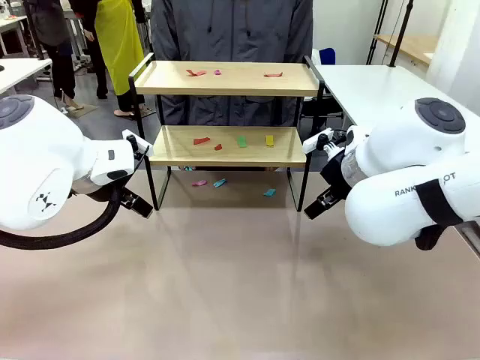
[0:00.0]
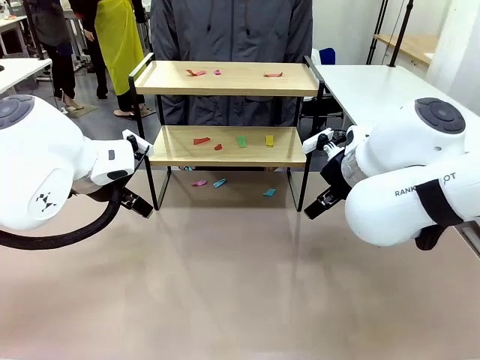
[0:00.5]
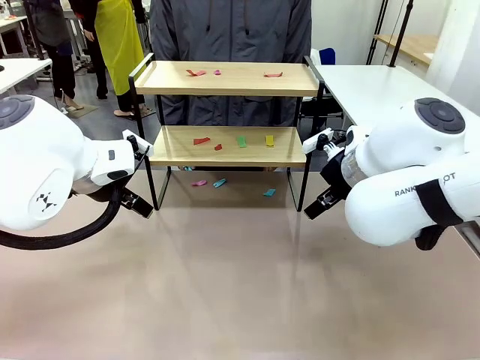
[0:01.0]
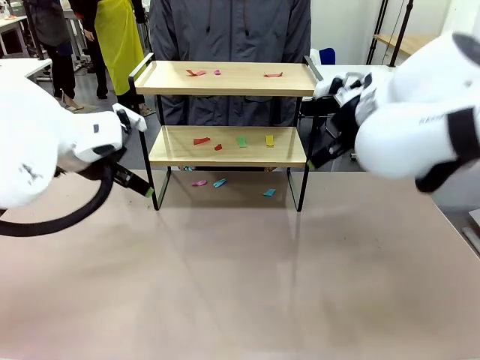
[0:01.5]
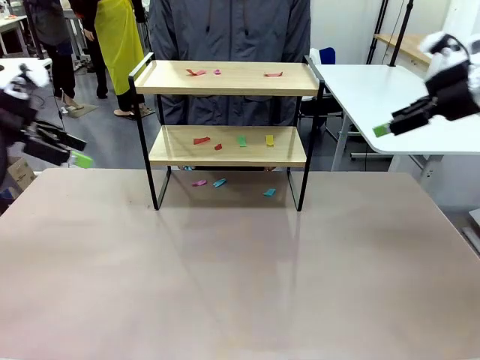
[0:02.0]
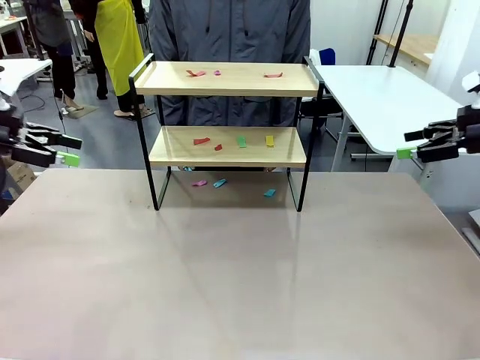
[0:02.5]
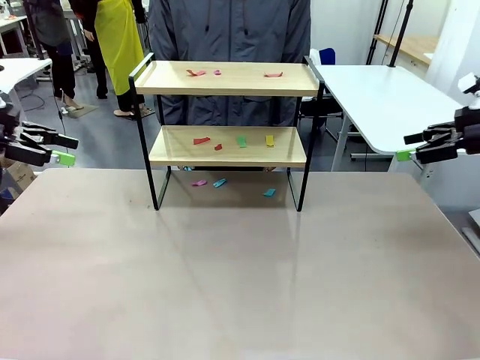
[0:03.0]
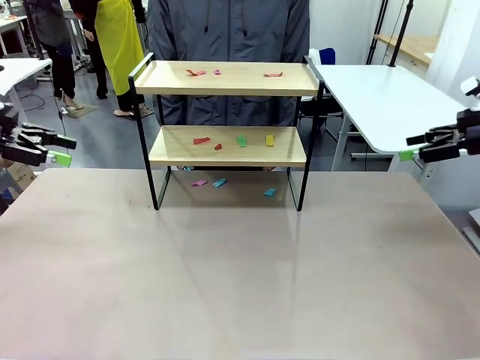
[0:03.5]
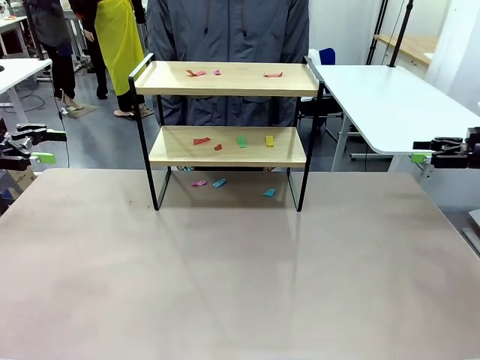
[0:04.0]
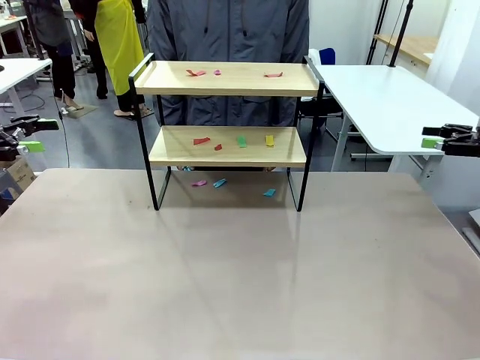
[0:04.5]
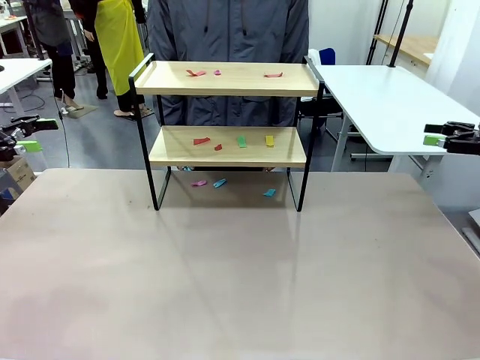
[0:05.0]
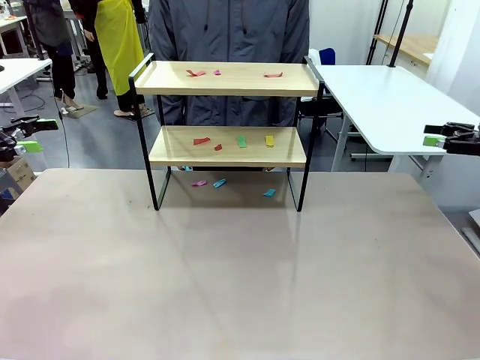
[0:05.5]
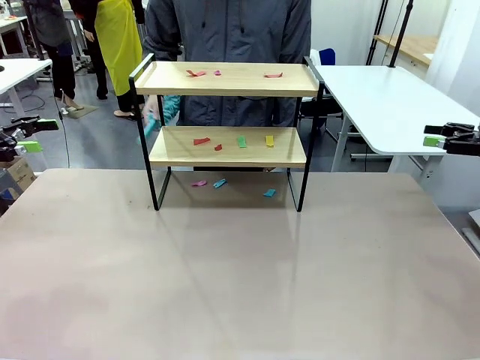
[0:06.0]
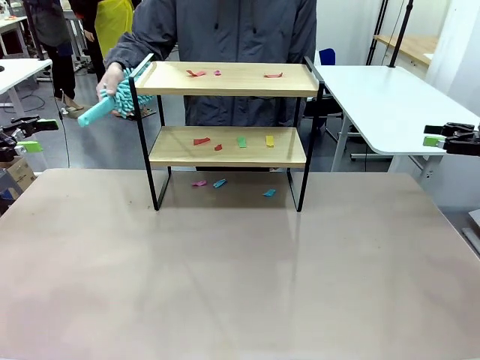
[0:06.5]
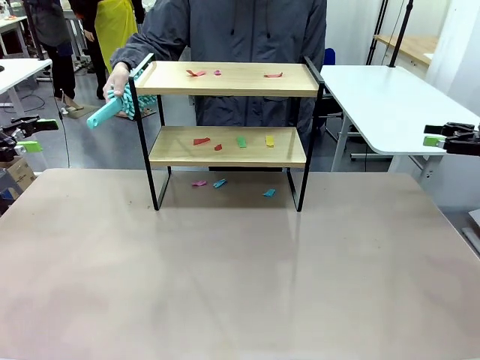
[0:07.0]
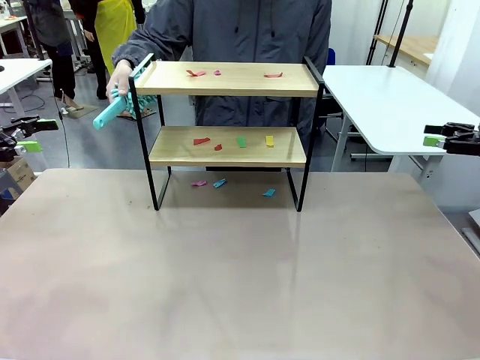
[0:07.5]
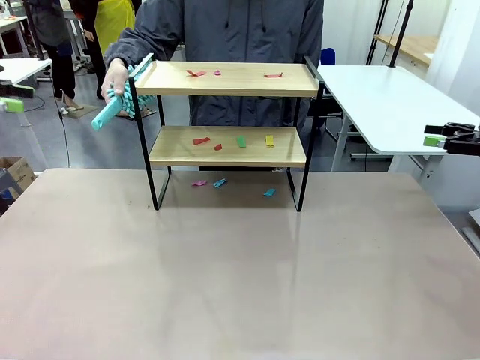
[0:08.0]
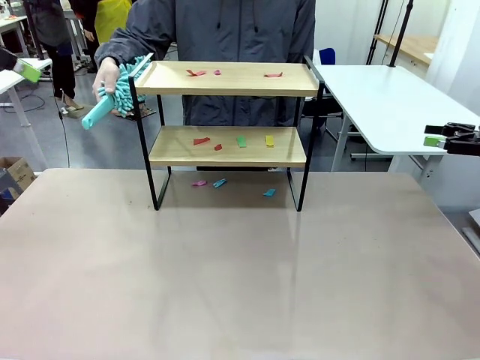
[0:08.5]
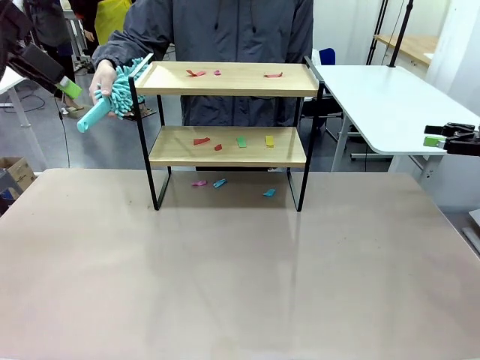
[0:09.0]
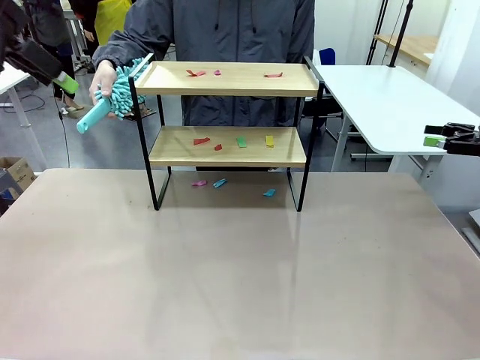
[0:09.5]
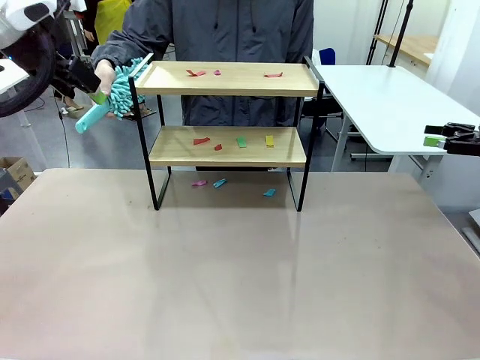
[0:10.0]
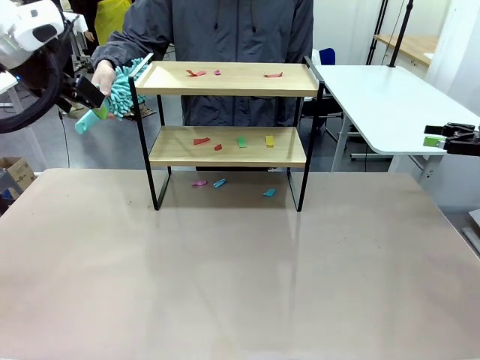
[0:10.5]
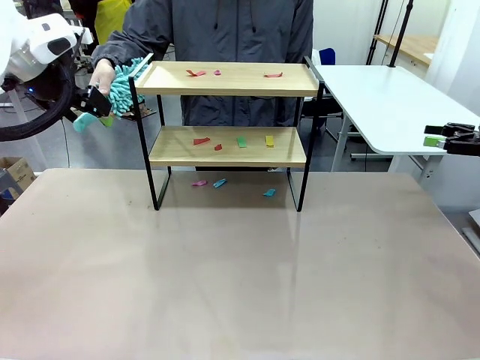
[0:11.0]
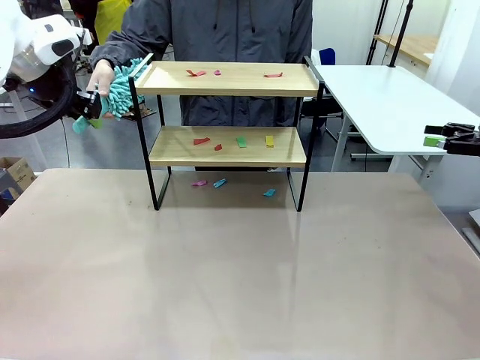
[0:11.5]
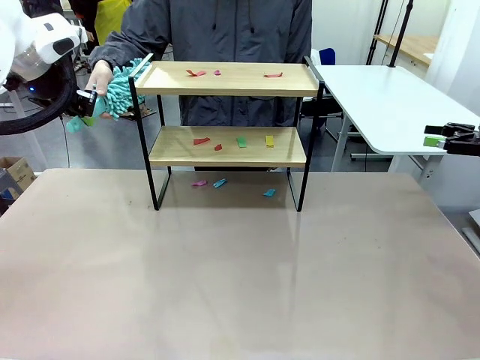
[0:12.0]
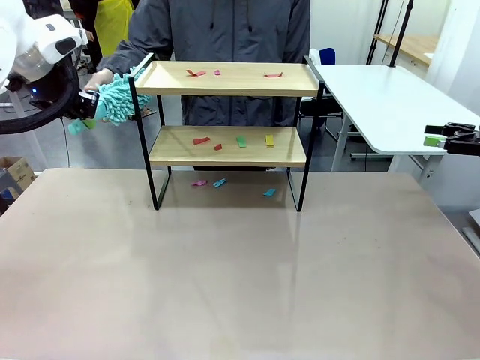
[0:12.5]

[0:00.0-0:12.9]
Task: Clean the shelf.
Robot: Pick up the Duster handed by the human.
Person: Hand the Duster to the robot.

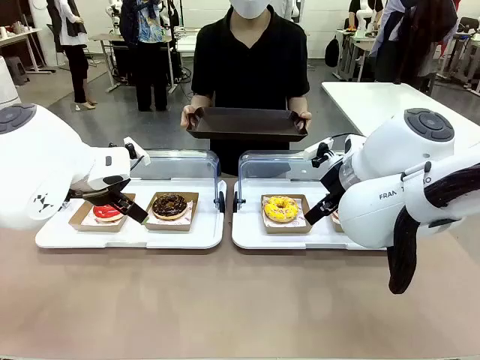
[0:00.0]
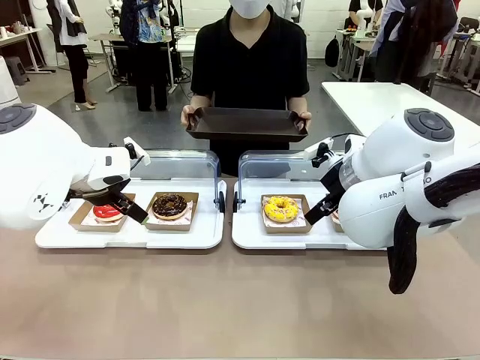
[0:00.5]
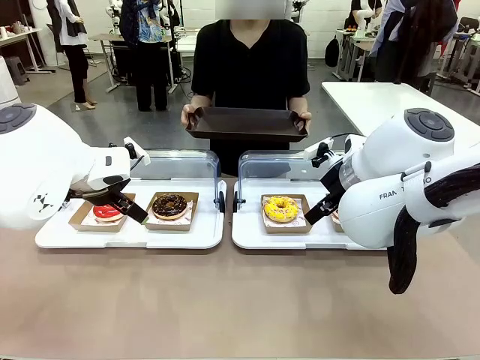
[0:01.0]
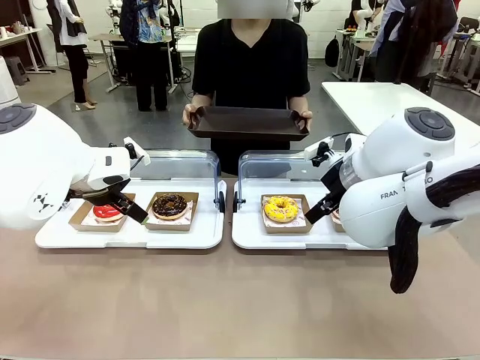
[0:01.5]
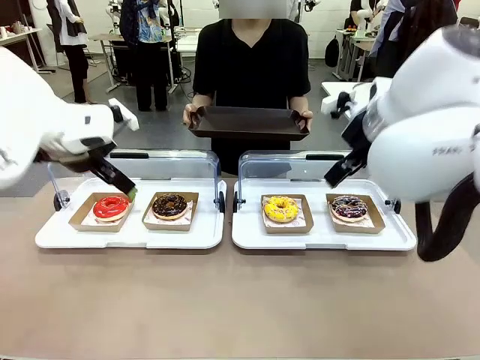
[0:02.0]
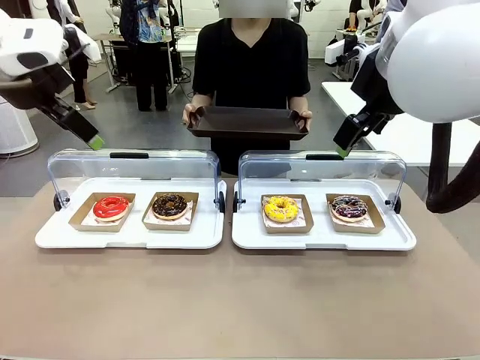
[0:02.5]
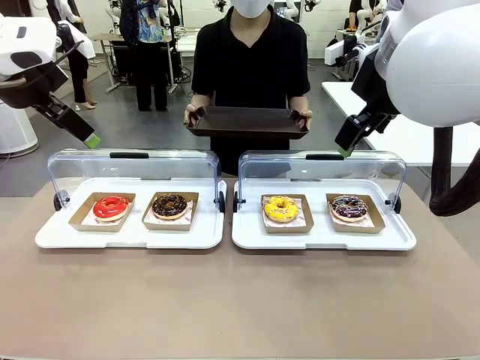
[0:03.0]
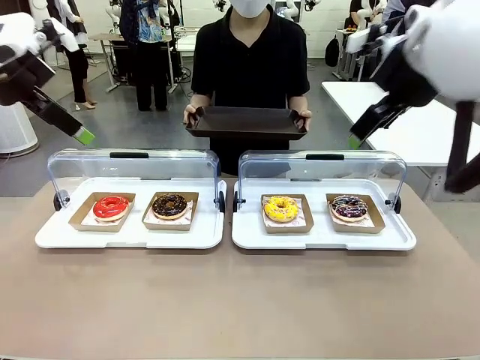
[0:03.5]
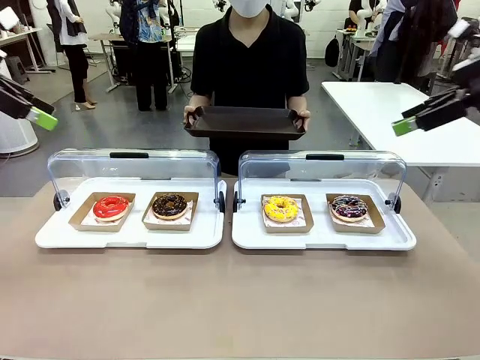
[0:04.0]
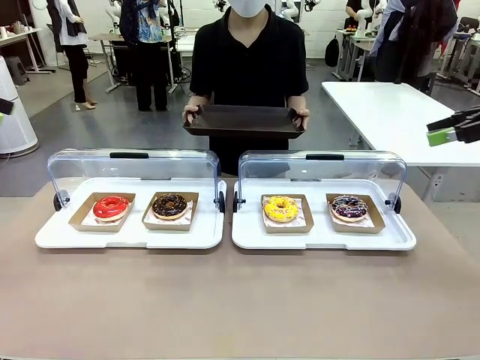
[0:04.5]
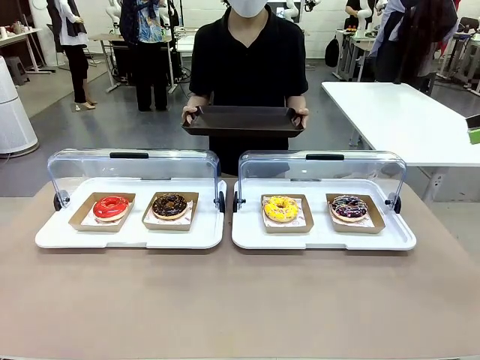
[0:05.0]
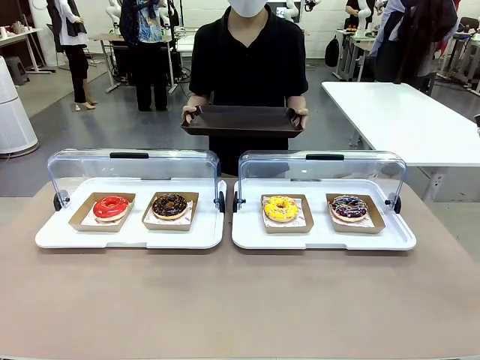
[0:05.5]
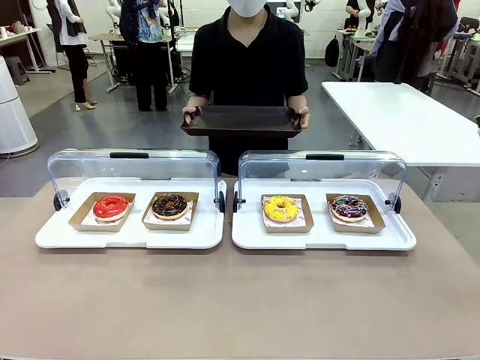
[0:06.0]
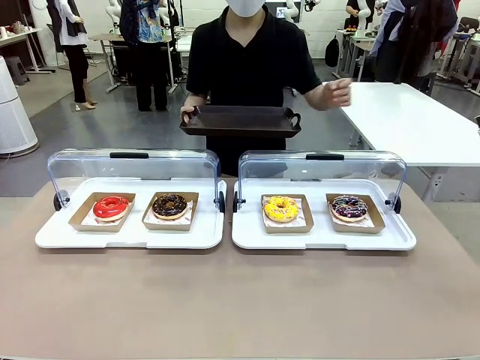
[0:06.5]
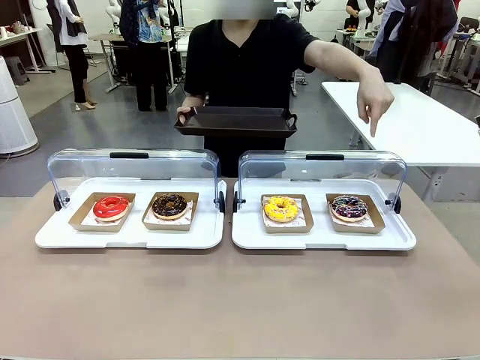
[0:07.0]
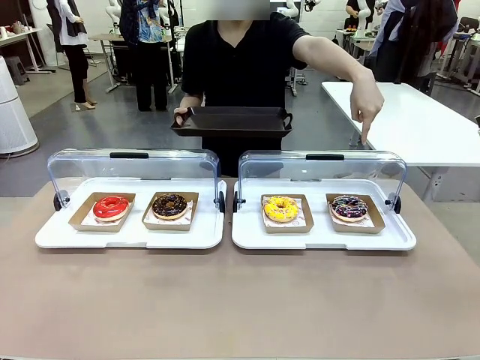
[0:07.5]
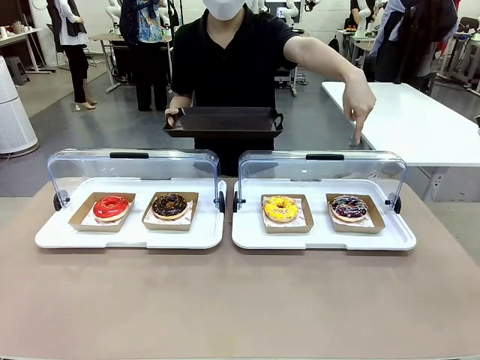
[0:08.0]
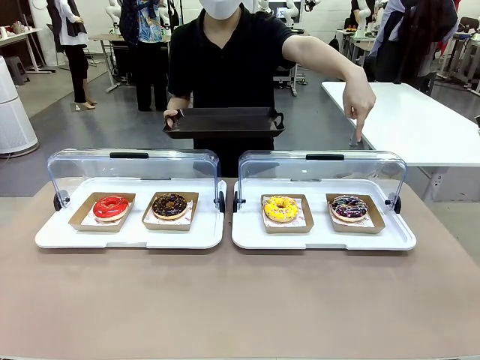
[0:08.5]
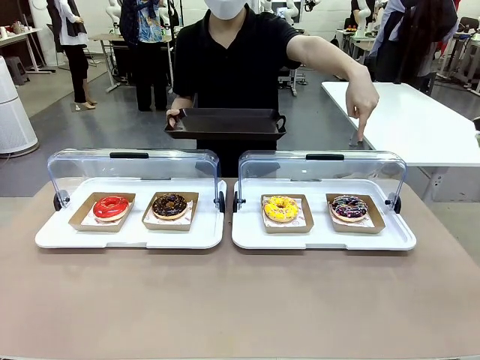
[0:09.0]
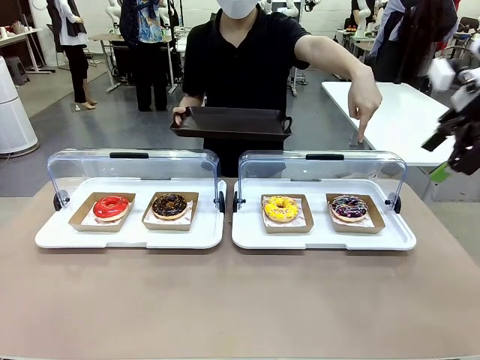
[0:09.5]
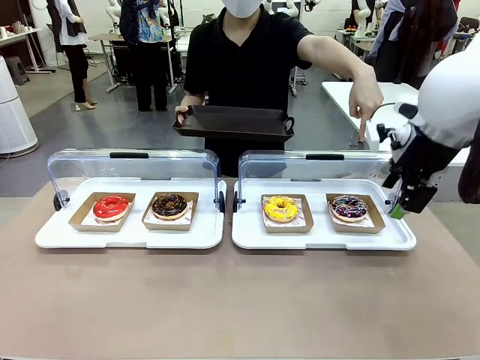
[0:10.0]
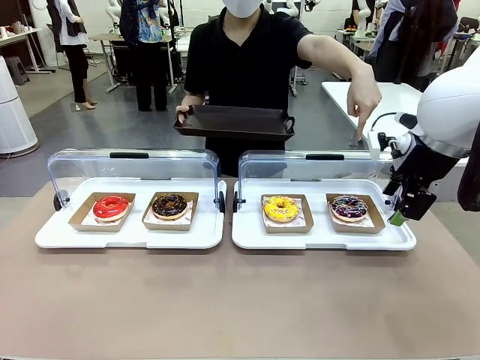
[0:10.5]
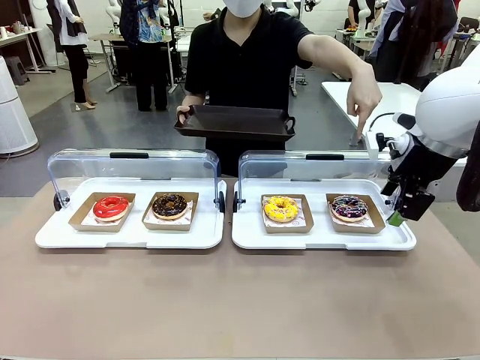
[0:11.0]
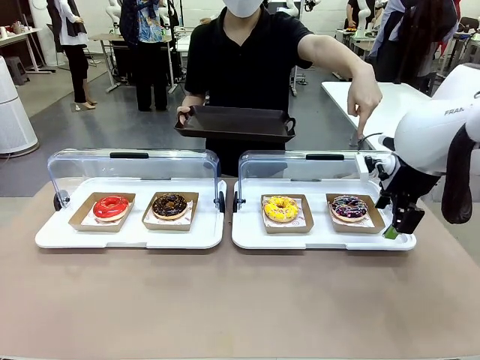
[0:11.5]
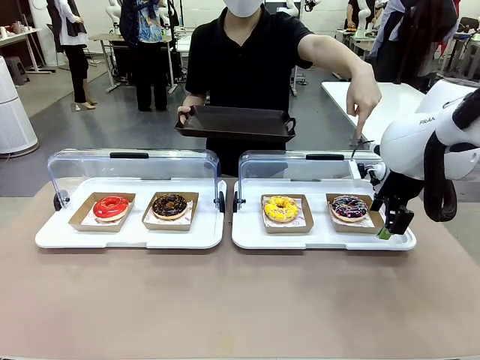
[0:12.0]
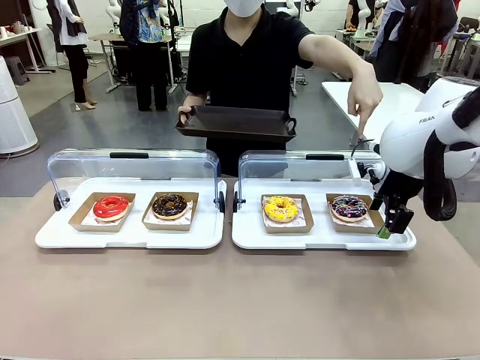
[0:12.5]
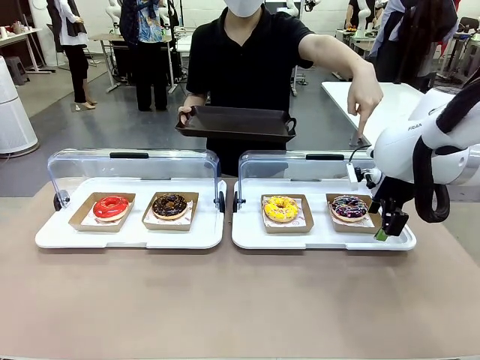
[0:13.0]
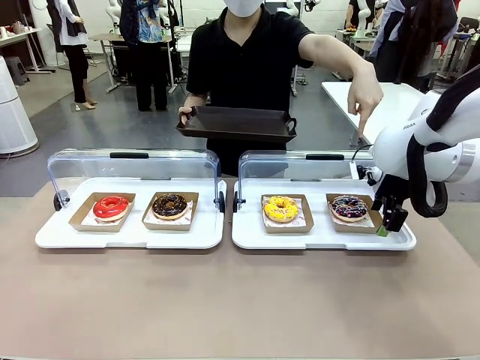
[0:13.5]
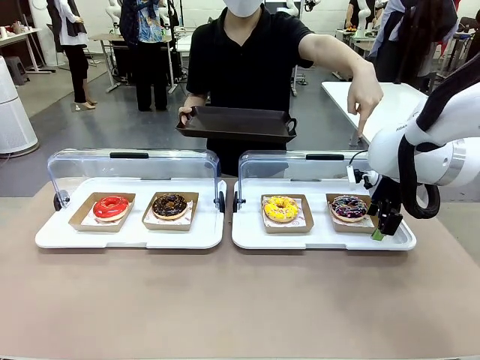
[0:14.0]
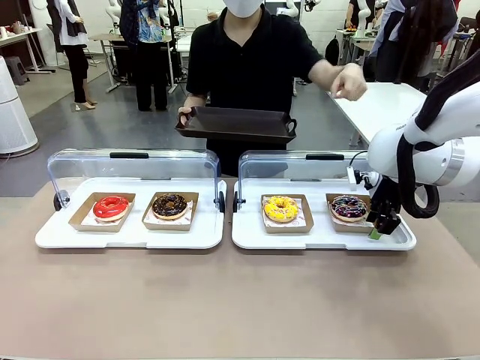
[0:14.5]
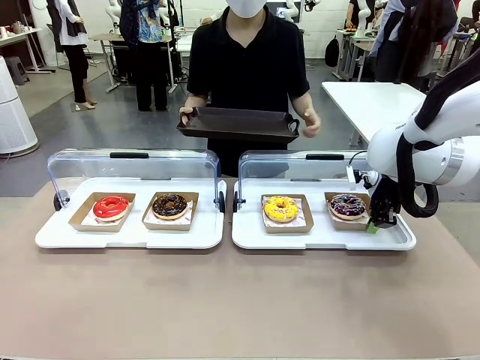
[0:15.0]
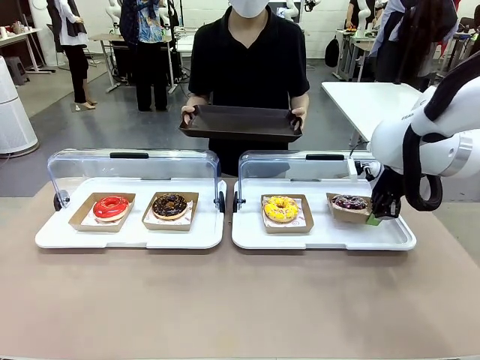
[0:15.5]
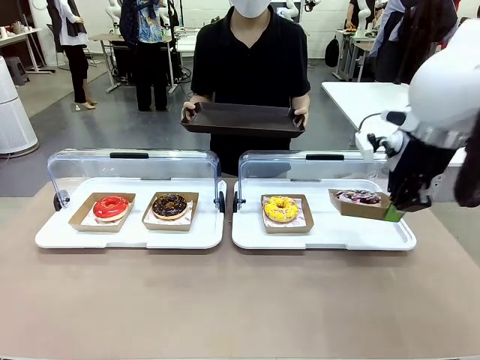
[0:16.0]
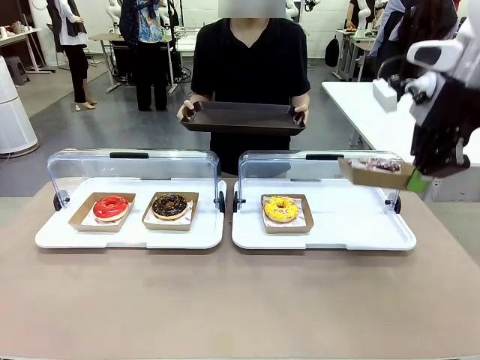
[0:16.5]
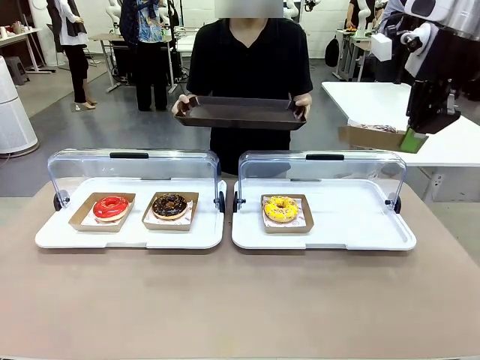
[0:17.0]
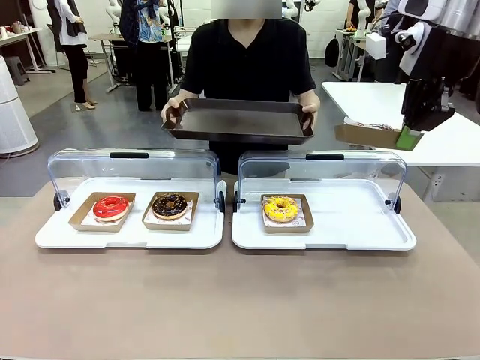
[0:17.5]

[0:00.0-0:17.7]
Task: Provide the desired donut to the person.
Robot: Pick up and lift the Paper togo box containing the Donut pointed at by the person.
Person: Point to one donut. Lift the tray onto the Roll-Top Bakery Case.
